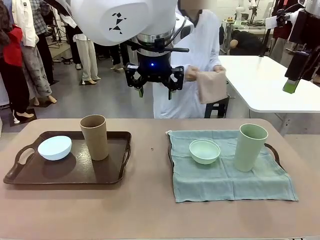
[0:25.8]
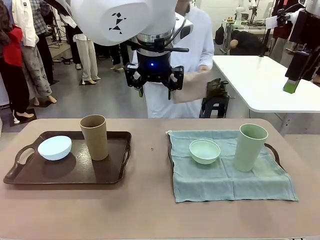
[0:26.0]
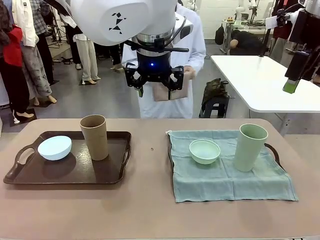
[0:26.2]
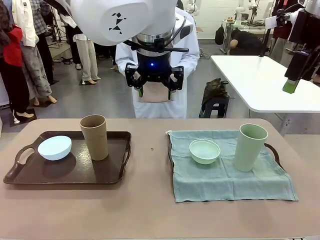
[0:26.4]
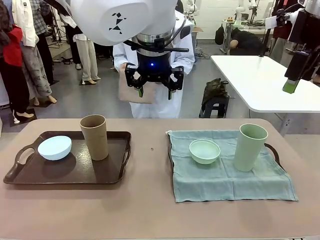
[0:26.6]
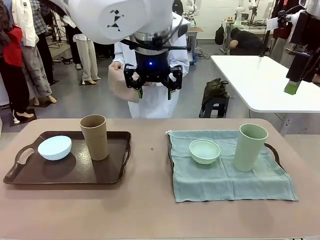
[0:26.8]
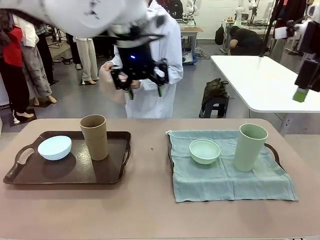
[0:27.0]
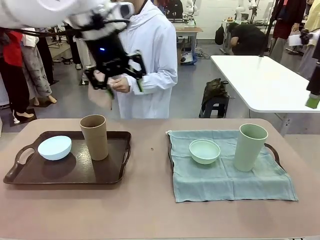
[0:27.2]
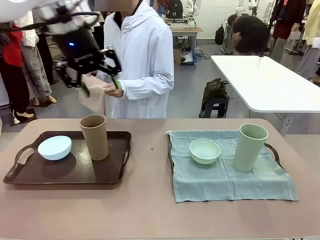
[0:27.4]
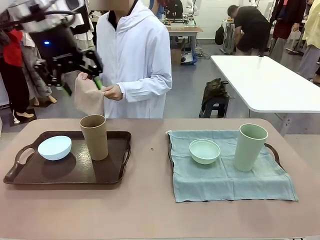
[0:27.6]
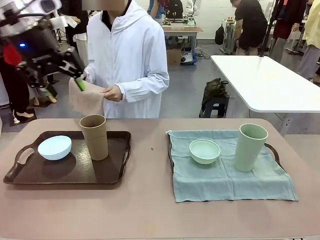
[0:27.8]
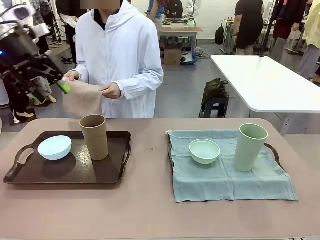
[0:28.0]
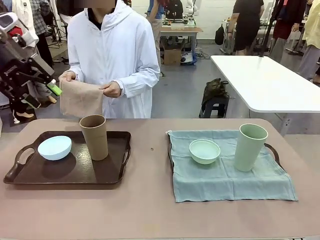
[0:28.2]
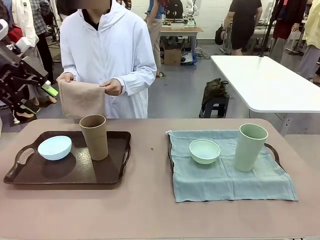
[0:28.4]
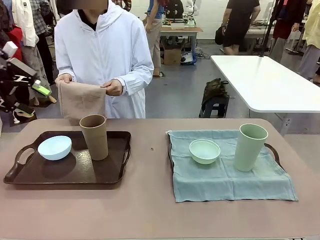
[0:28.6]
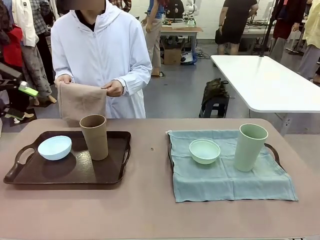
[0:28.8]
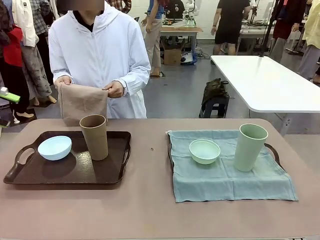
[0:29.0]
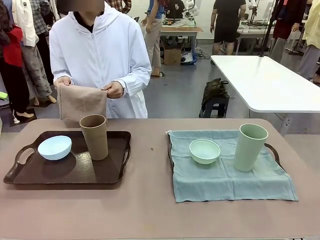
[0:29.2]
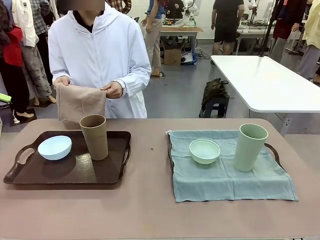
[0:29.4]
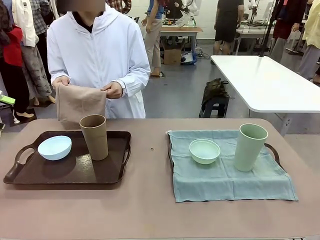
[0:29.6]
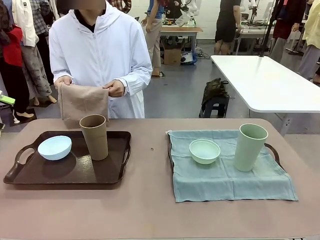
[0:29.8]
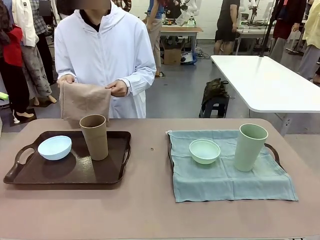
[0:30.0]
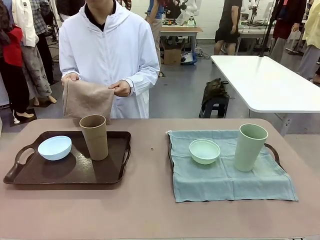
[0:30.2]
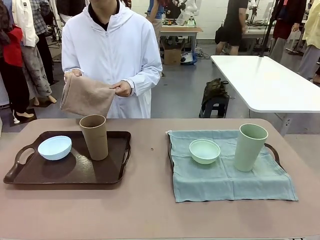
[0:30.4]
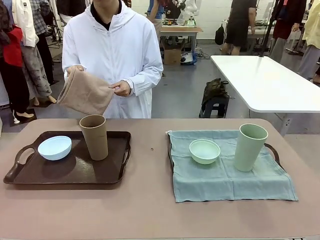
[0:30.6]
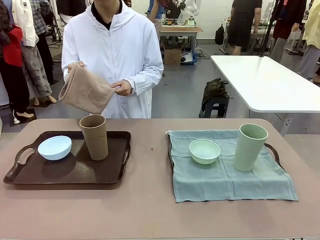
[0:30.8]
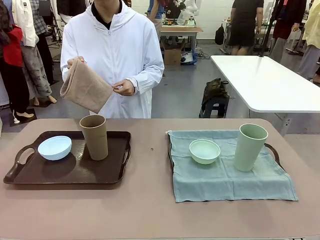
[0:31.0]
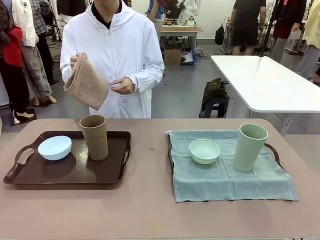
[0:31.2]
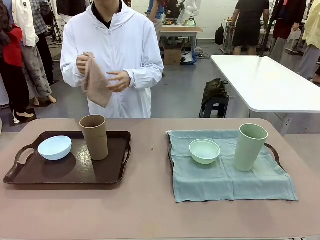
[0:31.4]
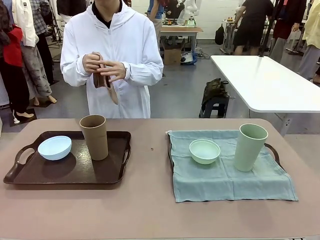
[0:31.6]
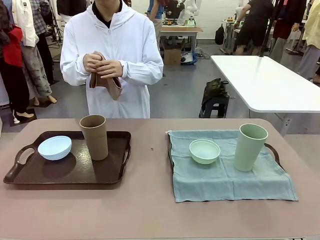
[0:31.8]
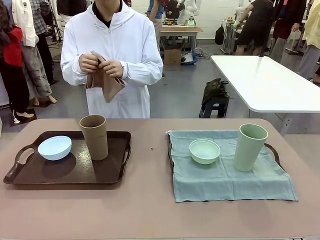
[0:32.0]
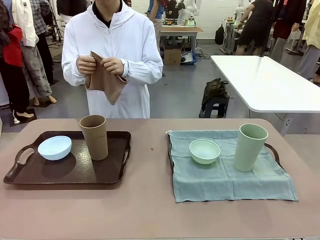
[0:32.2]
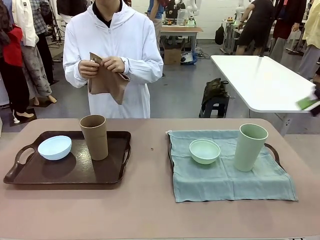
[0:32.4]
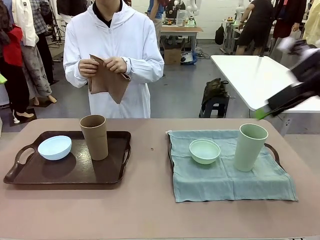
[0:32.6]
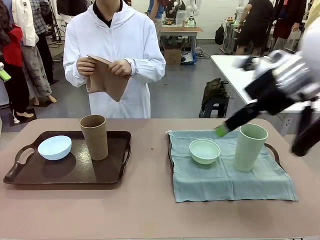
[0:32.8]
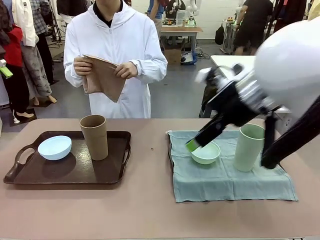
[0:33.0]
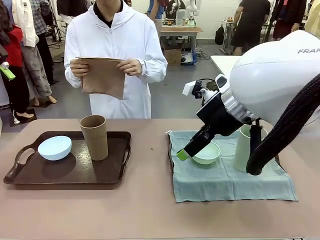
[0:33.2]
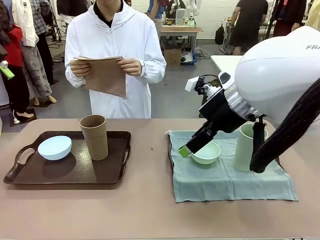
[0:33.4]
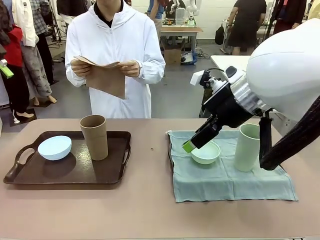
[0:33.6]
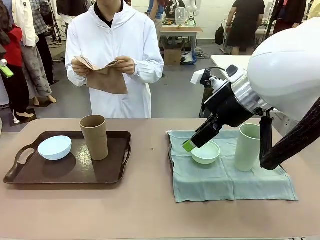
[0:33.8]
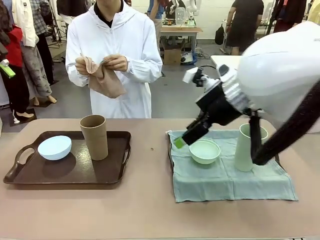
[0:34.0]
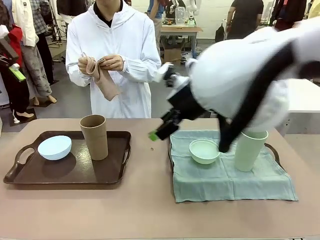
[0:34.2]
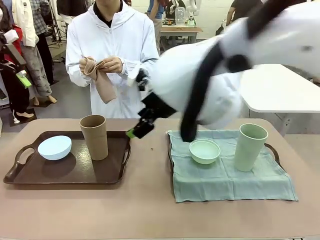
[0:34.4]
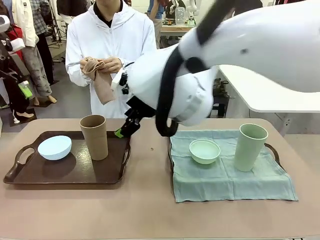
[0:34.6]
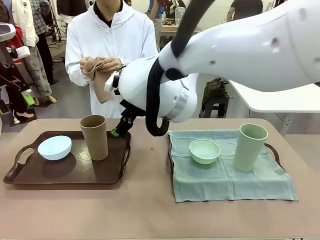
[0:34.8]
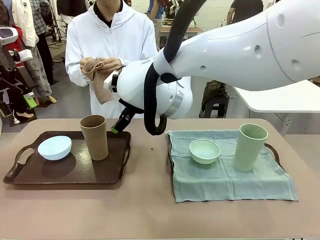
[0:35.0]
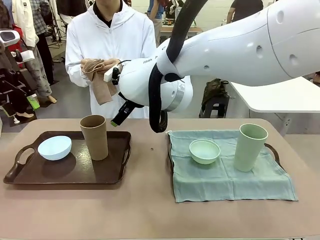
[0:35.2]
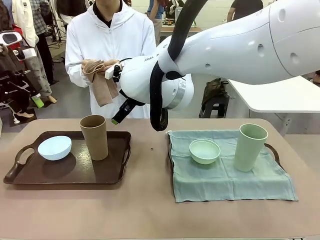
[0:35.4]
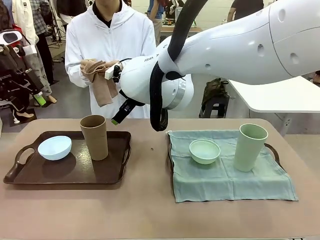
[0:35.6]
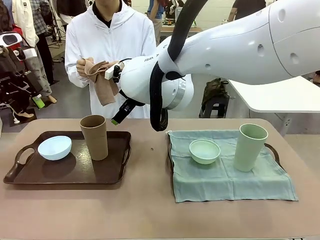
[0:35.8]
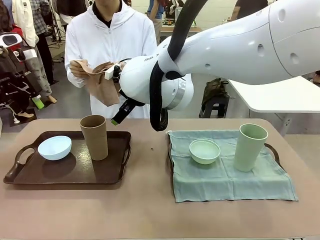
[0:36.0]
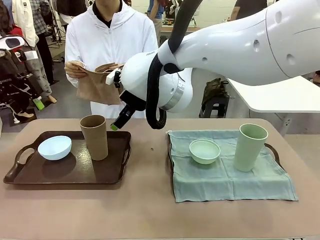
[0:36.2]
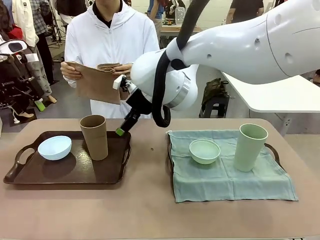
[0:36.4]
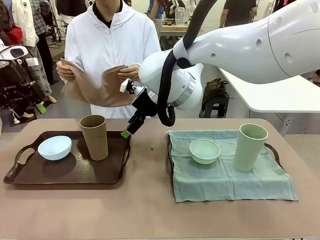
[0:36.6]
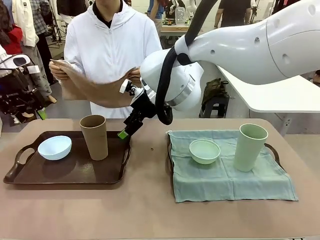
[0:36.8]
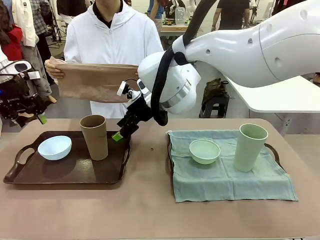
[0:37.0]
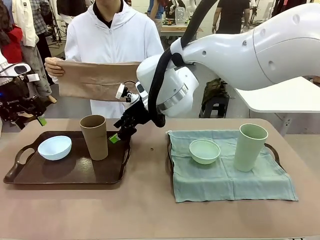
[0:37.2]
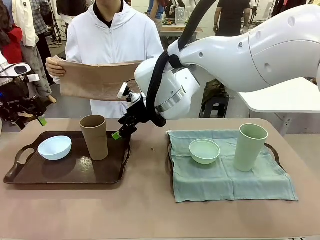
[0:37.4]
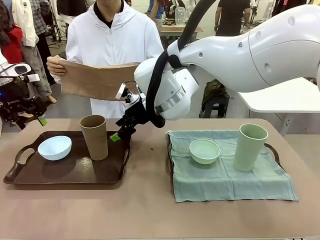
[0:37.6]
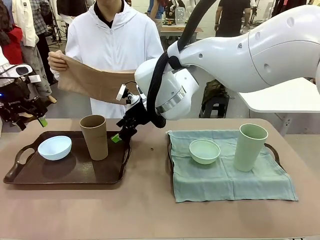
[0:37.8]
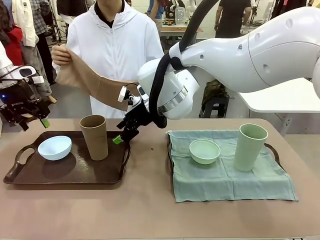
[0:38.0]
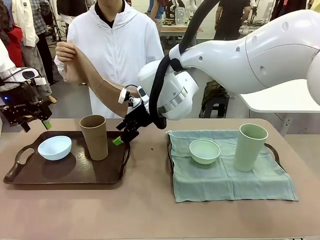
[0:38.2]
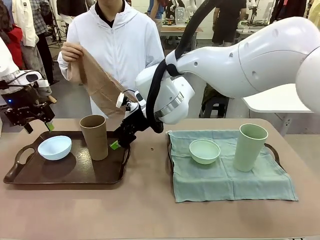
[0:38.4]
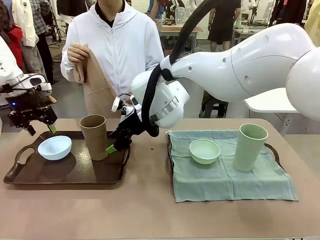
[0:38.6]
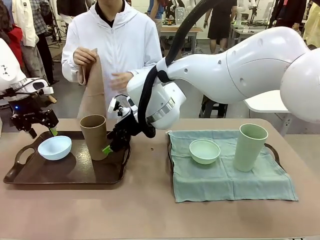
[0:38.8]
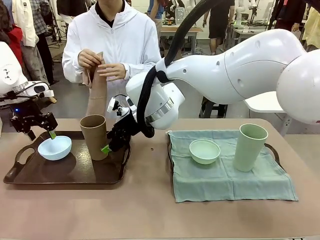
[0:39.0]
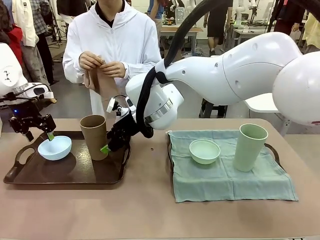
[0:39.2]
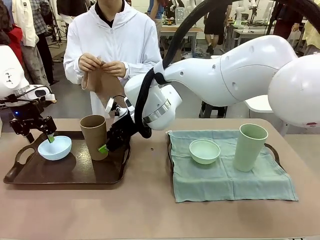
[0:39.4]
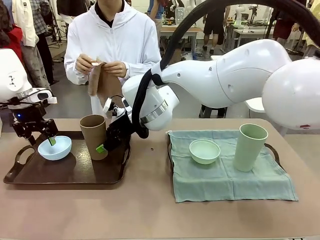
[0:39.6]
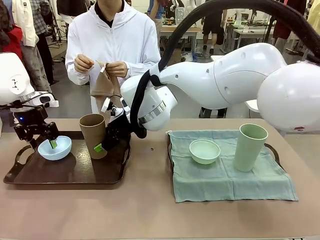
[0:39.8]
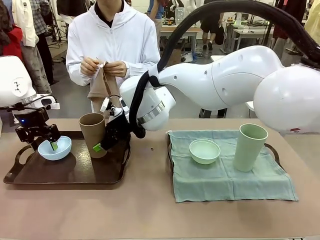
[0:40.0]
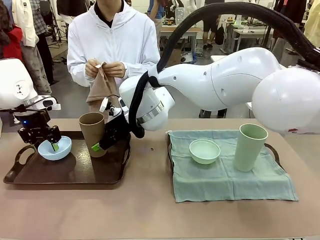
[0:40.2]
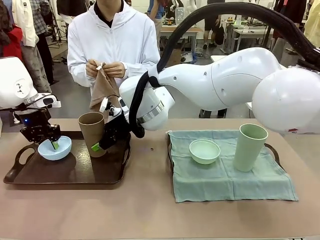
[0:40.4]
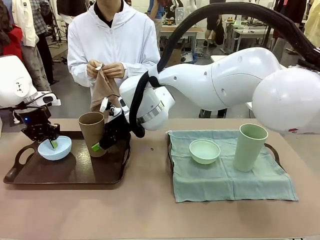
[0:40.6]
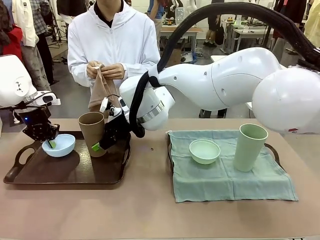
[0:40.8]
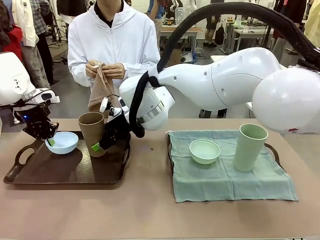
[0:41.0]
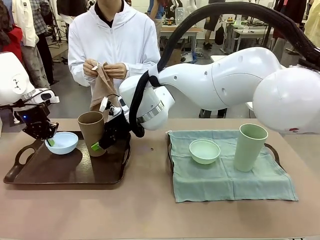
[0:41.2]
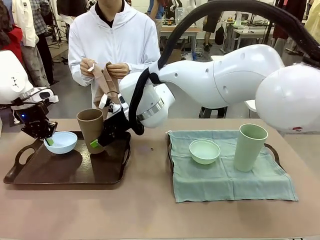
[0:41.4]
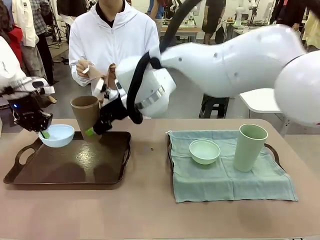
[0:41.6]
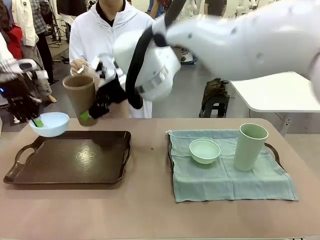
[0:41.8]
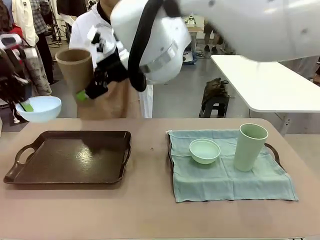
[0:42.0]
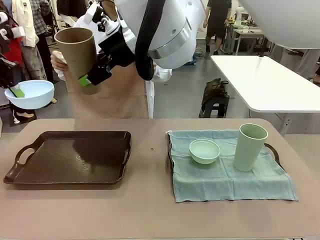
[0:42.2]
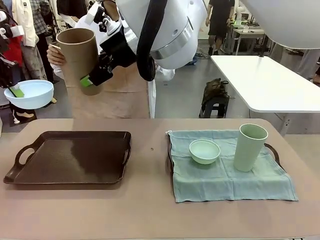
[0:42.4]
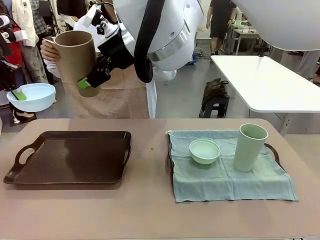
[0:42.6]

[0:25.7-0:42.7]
Robot: Pick up the Picnic Bowl and Reusable plastic cup from the Handle tray in front of the human's position and hold them in the air.
Person: When the robot lifts the bowl and the cup, the human unfolds the napkin and lays the napkin flat on the tray.

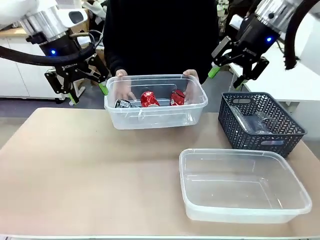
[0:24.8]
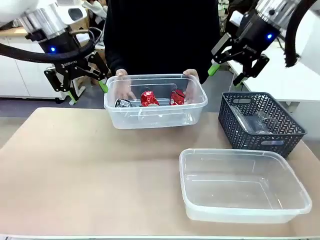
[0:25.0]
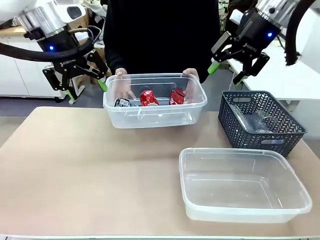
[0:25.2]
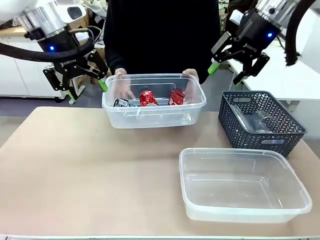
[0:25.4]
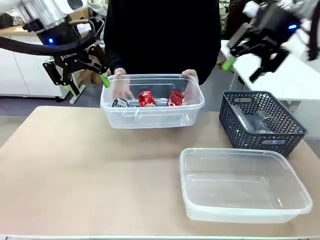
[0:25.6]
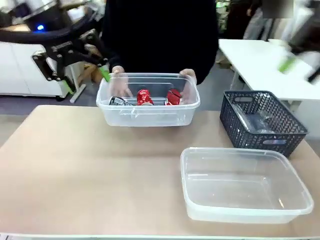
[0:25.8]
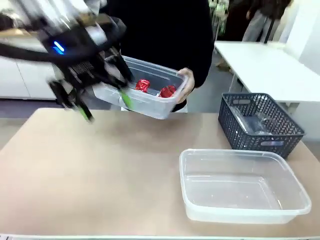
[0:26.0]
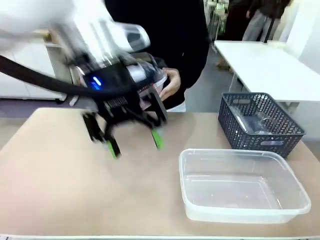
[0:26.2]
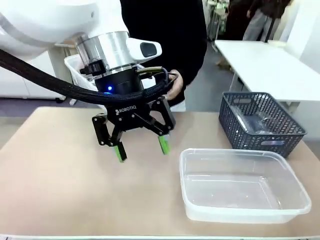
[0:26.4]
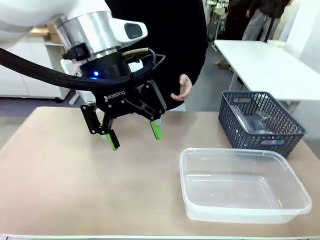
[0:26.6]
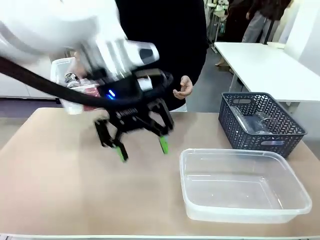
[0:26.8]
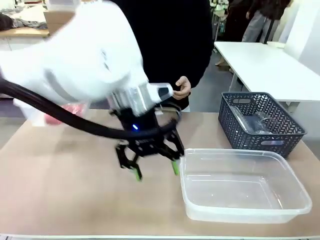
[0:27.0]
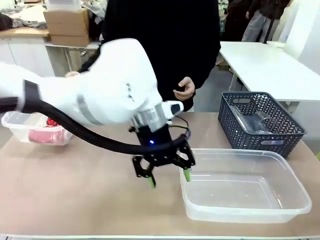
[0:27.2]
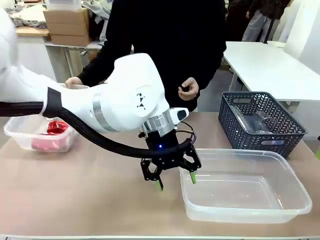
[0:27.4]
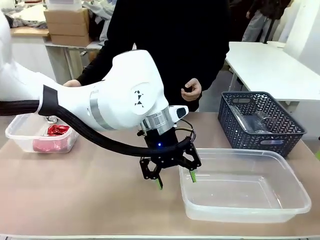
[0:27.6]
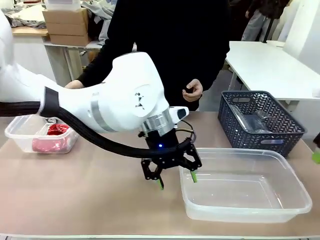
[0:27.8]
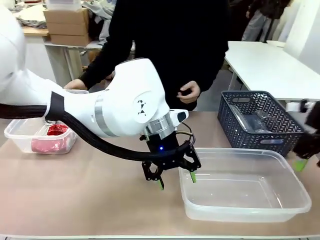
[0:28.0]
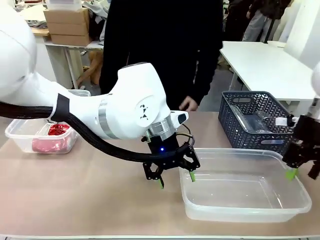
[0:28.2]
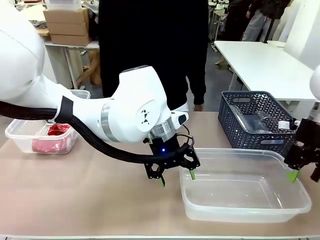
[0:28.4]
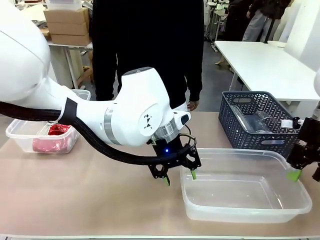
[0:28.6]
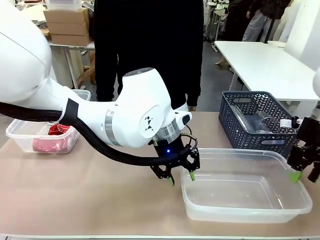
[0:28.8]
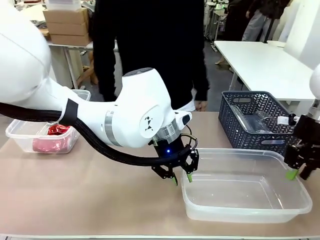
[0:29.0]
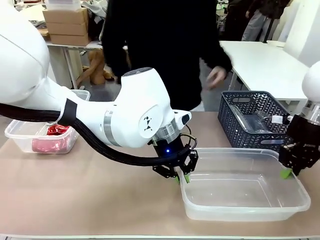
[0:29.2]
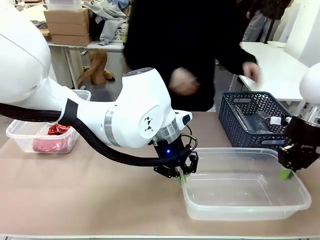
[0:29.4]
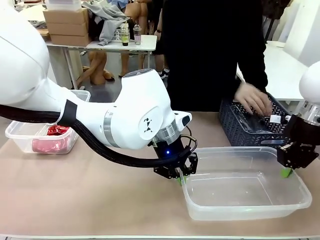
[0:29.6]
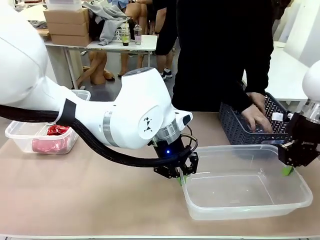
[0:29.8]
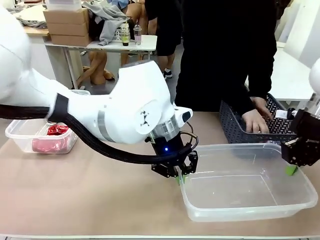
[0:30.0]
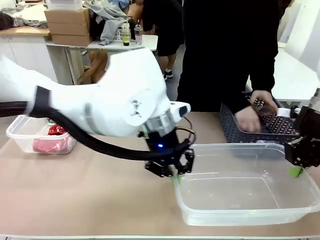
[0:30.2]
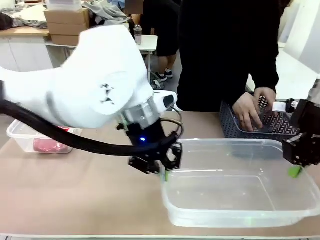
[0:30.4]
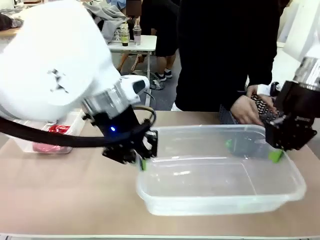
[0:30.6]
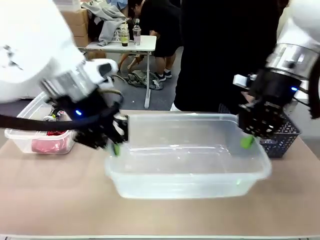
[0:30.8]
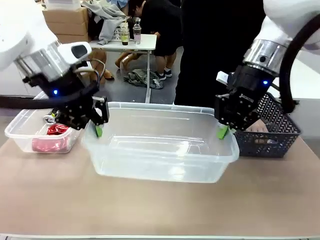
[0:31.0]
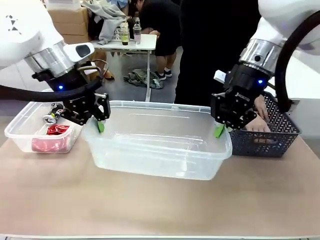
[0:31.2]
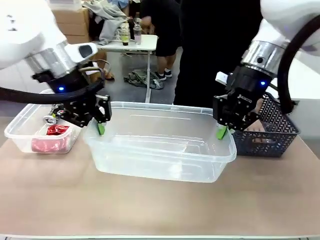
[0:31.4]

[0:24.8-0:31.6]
Robot: Pick up the Organizing box on the right side of the table and lift it.
Person: Place it at the edge of the bottom right area of the robot table.
